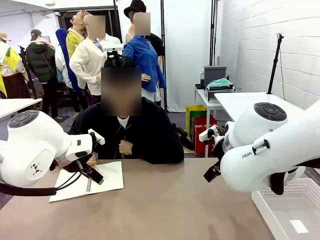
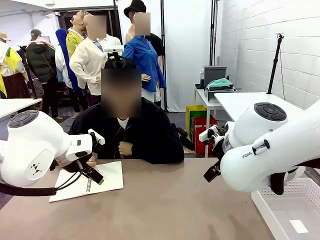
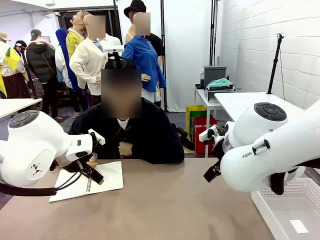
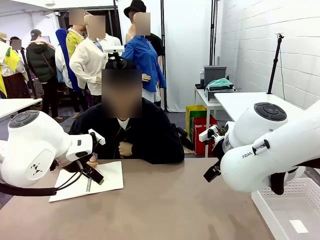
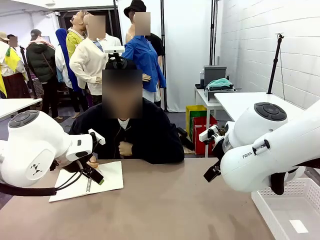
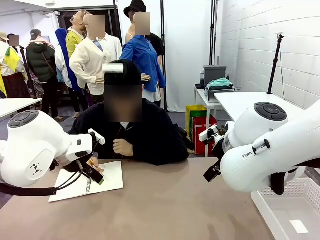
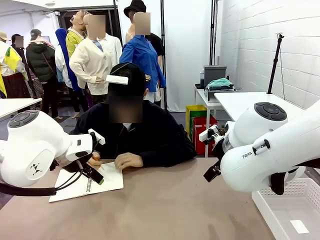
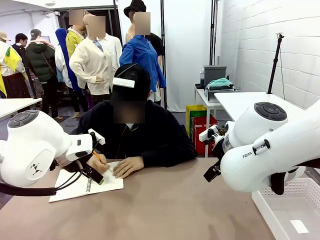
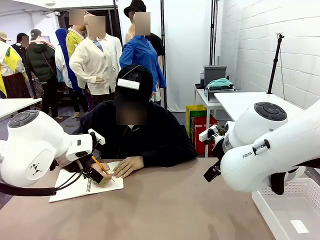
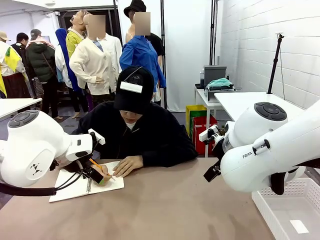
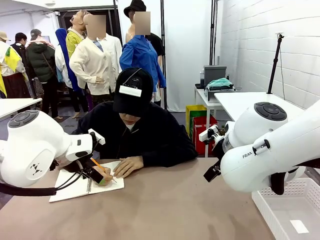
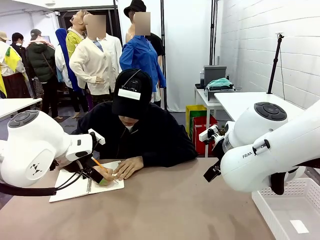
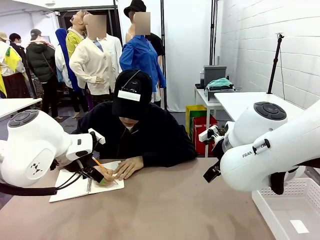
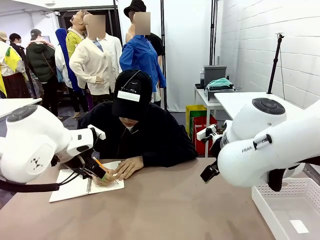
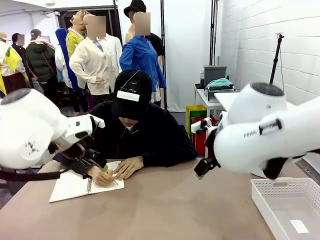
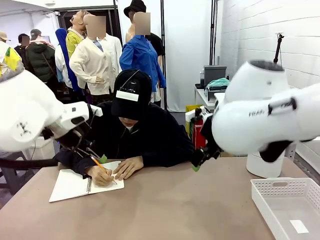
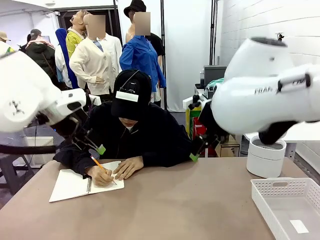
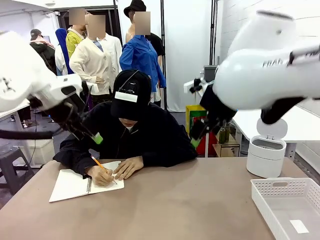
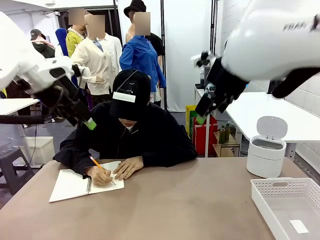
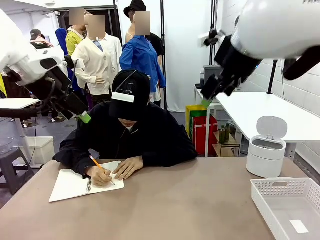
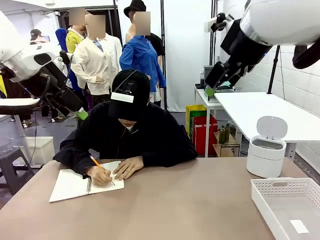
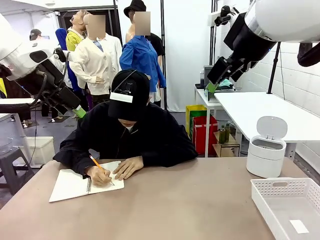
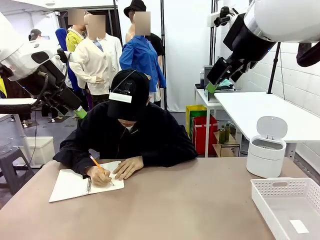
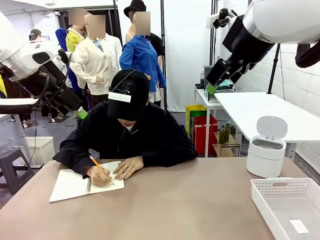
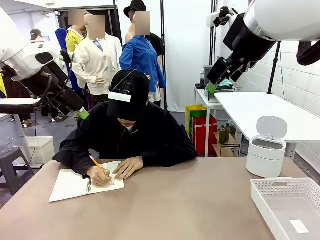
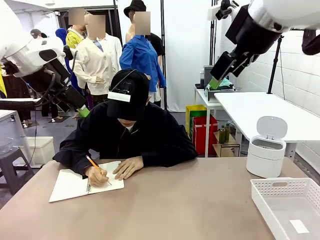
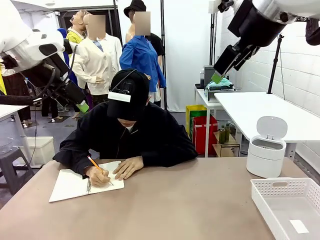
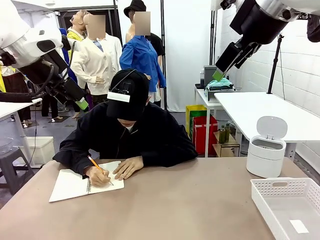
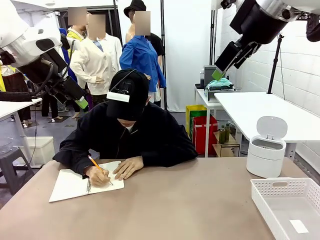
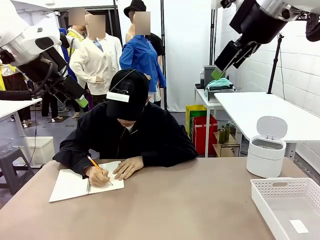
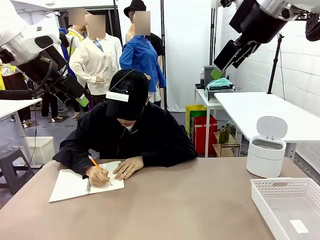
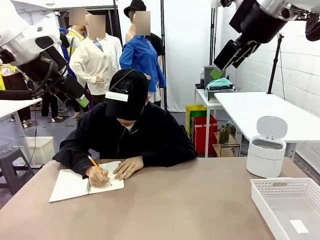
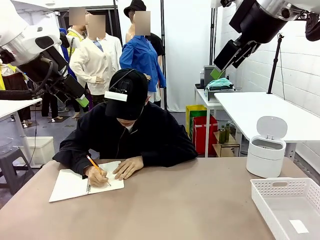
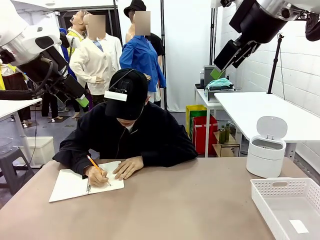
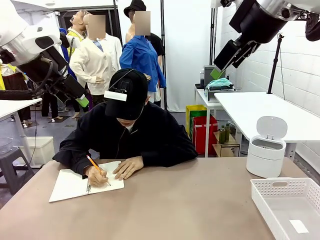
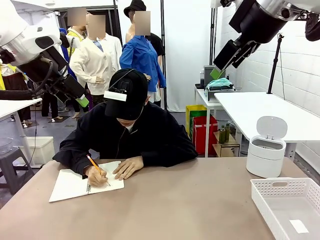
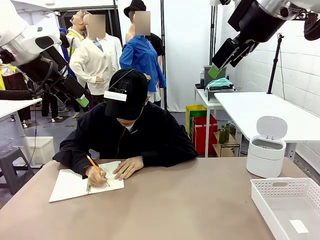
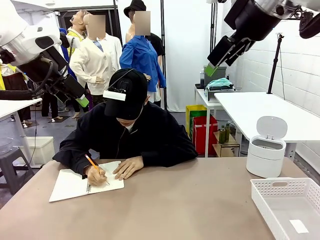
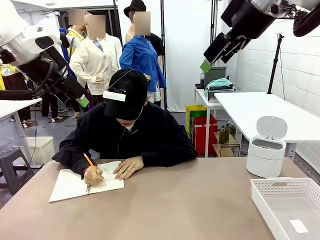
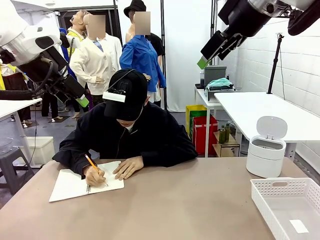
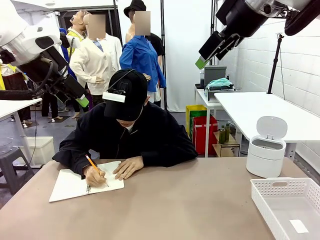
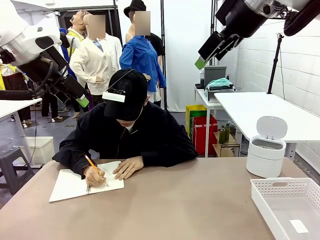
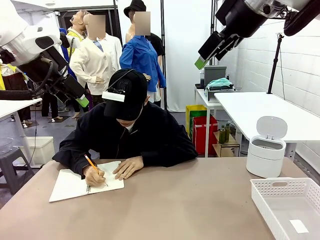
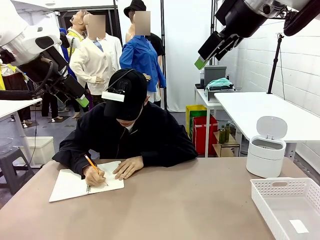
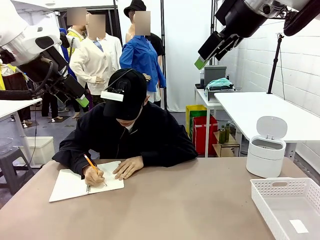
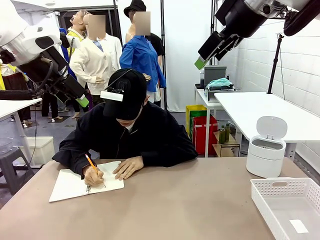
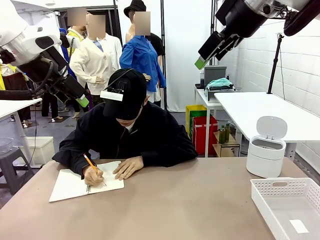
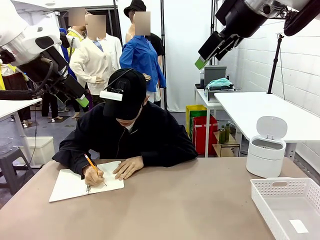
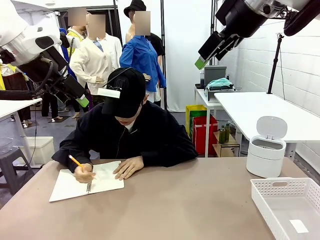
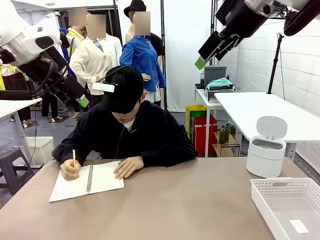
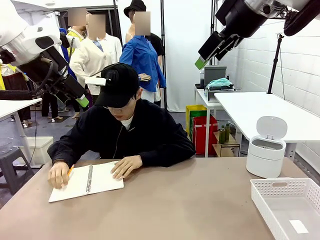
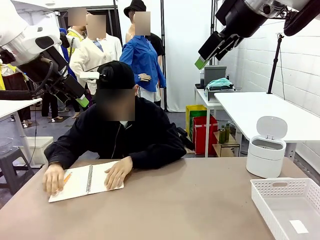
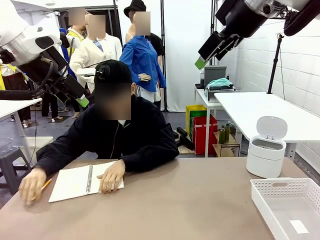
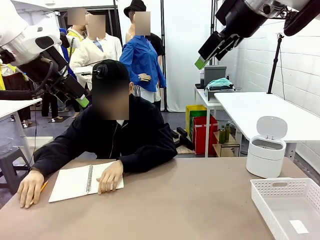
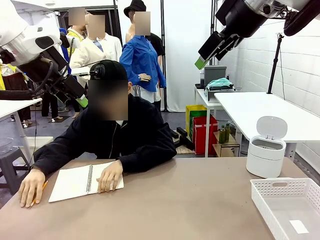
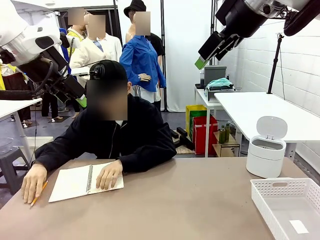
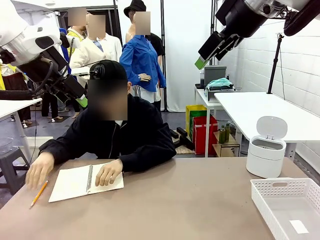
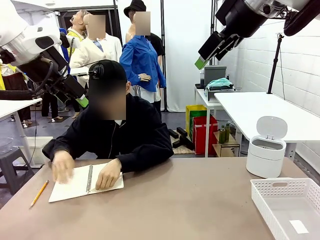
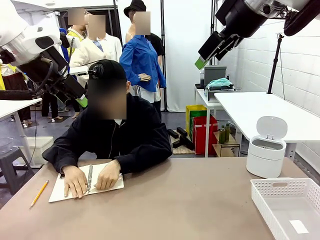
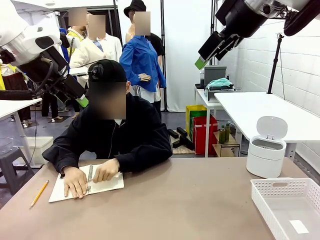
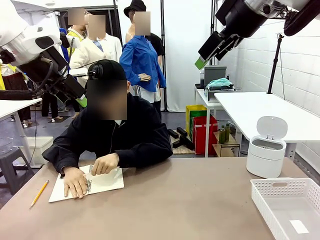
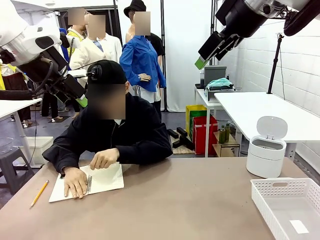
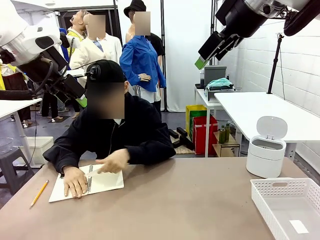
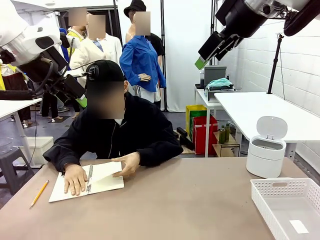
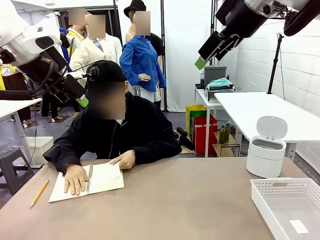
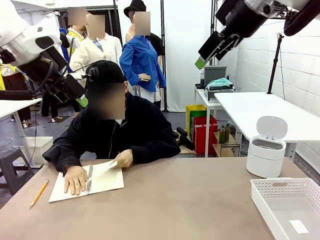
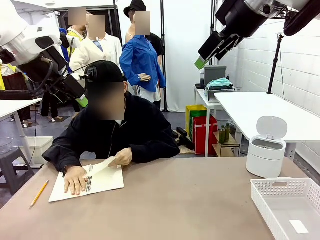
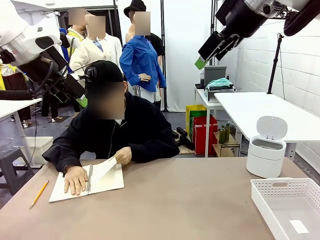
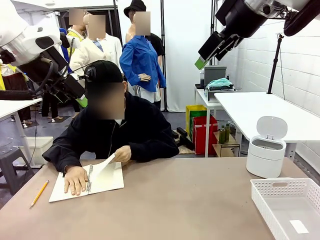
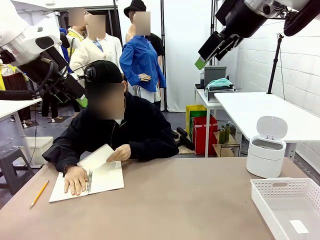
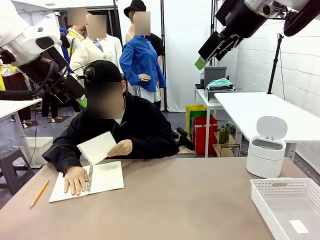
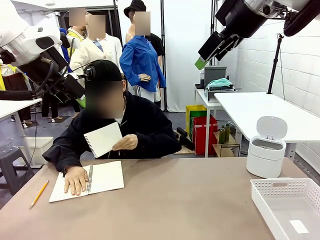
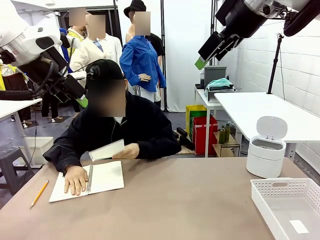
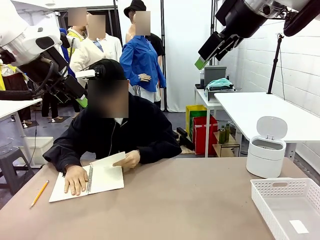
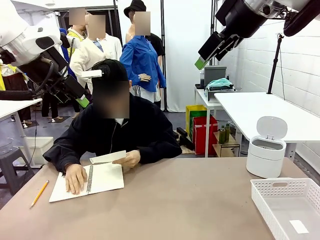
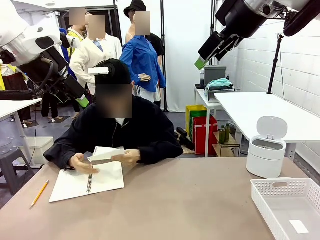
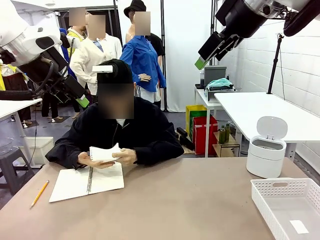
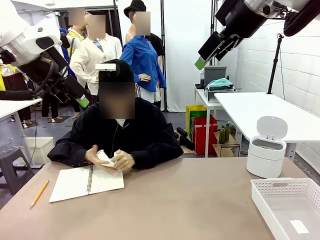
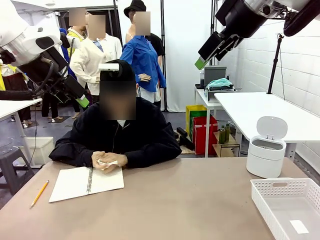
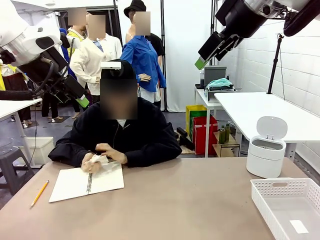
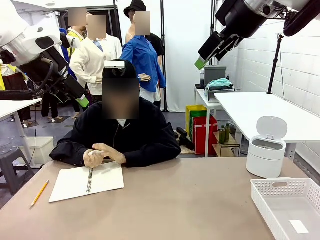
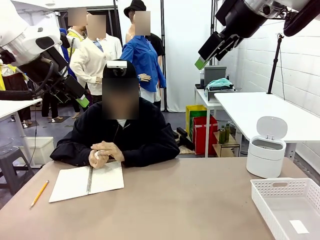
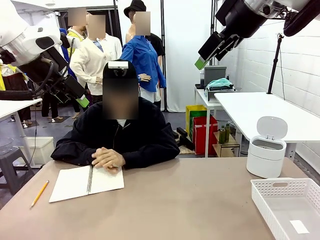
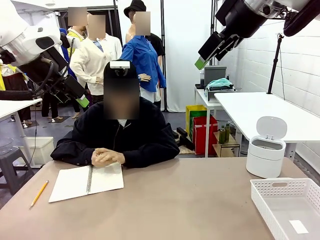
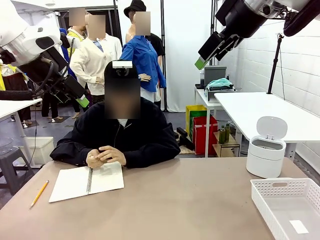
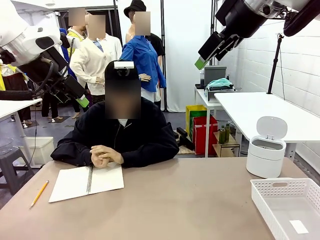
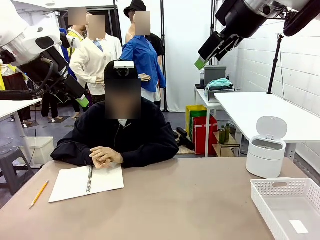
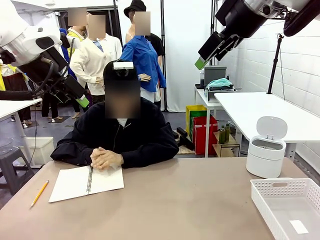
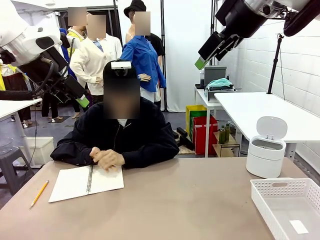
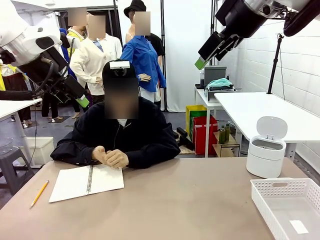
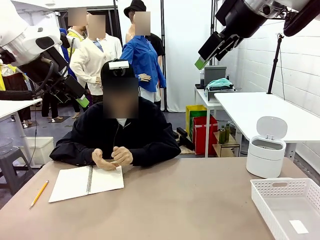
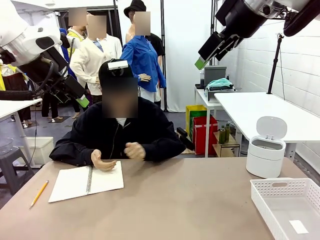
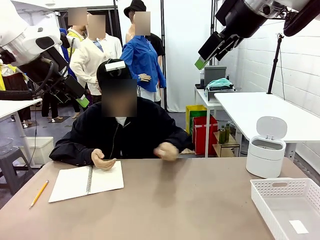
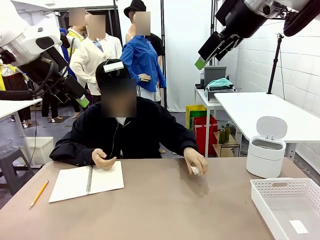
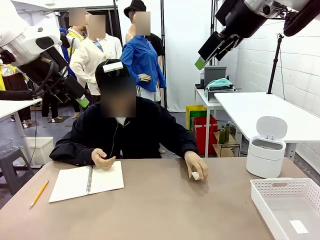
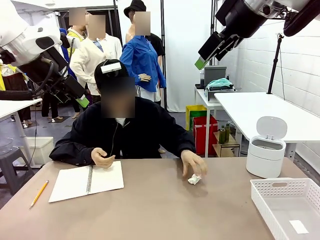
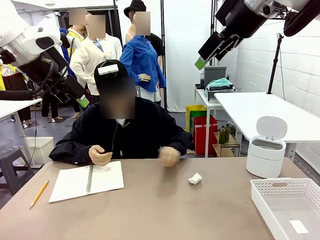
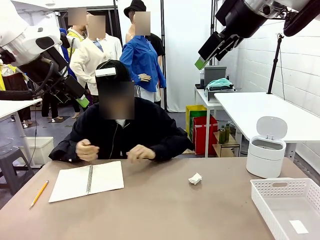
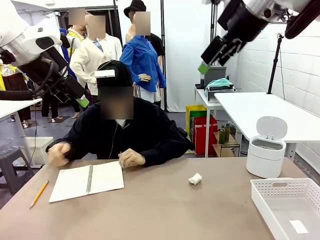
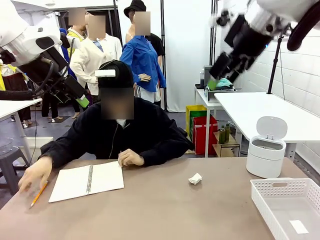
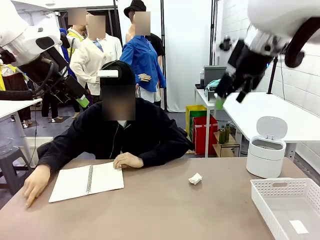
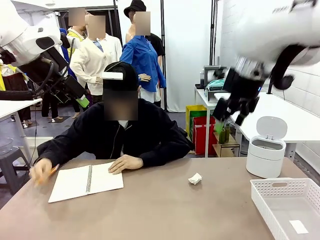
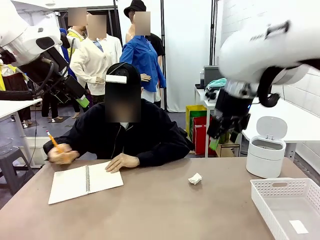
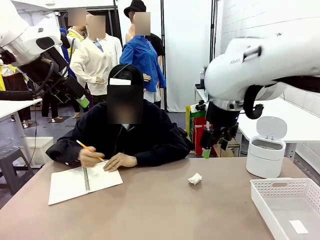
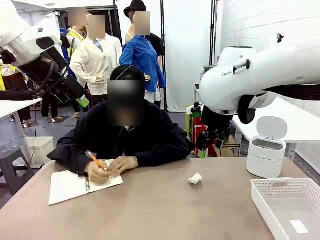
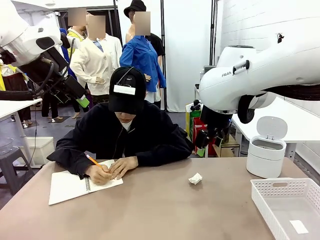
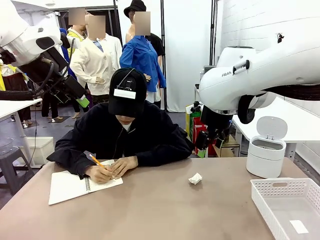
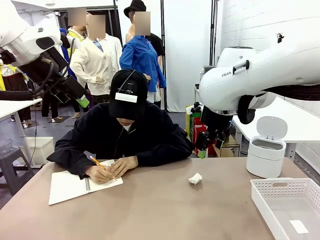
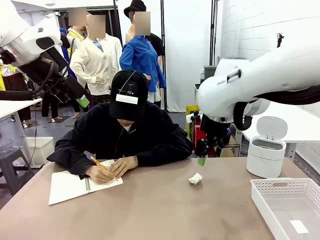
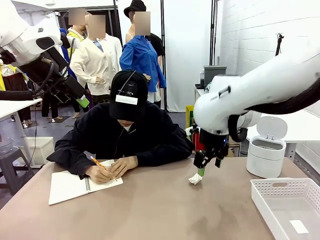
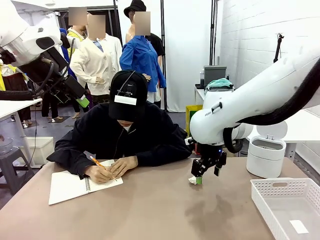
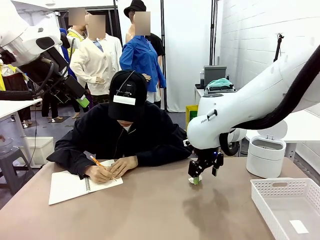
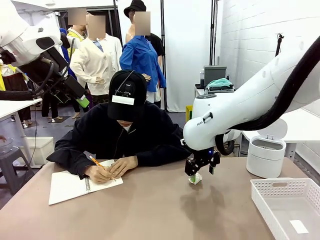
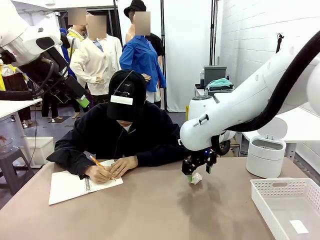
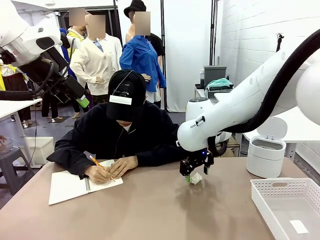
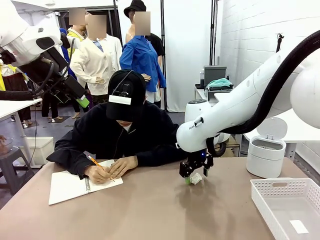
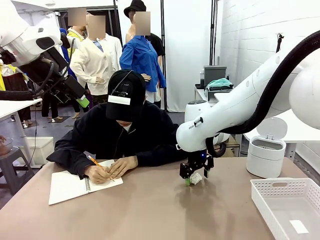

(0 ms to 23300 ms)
Task: Sort the paper based on its condition.
Robot: If a person hands you a paper, place it in the Organizing basket , and if it's crumpled, put it in the Trash can.
Person: Tear out a page from the spiral notebook. Hand the torn page to the robot or crumple it and throw it to the center of the table.
